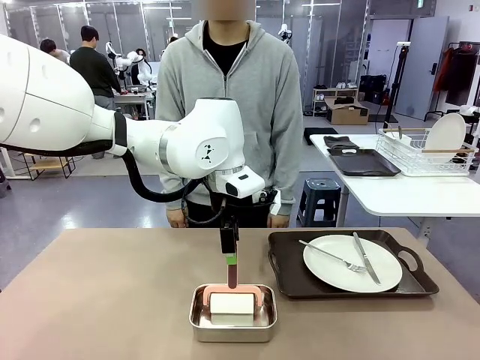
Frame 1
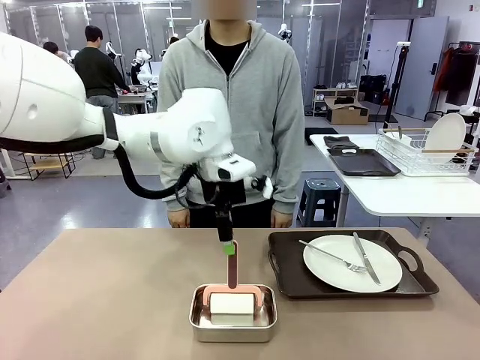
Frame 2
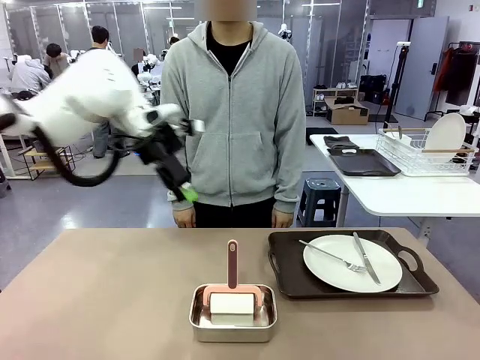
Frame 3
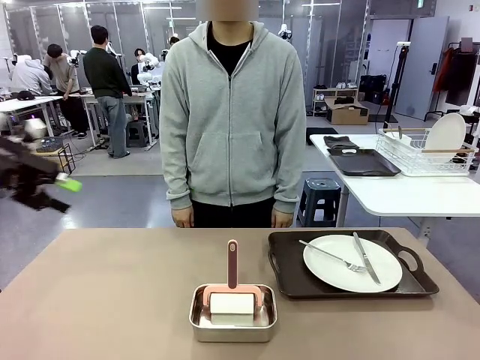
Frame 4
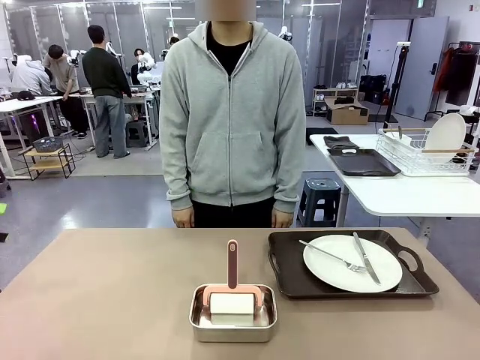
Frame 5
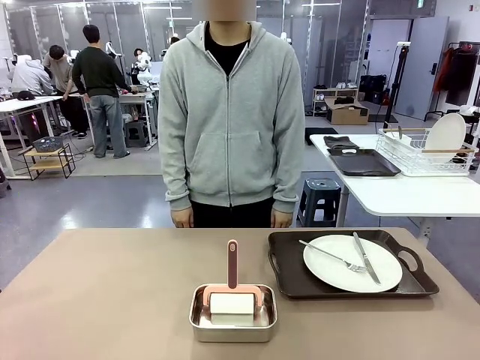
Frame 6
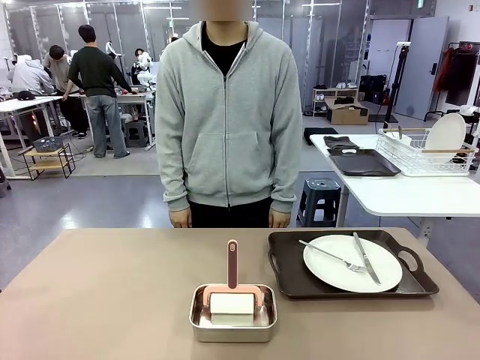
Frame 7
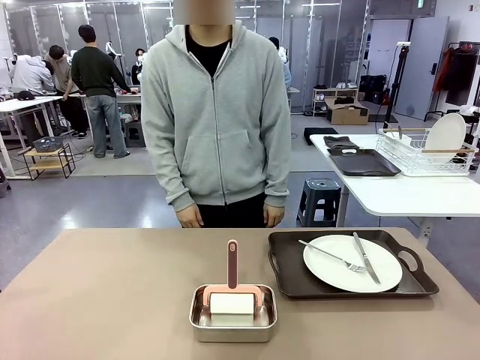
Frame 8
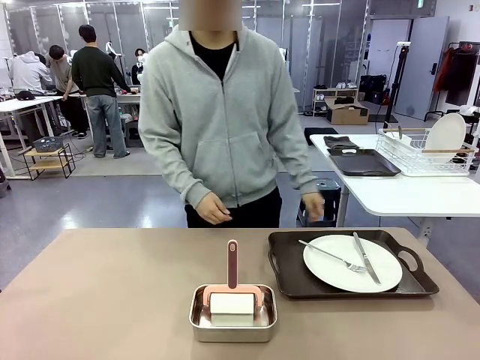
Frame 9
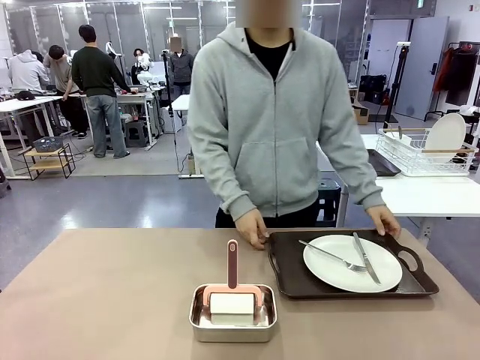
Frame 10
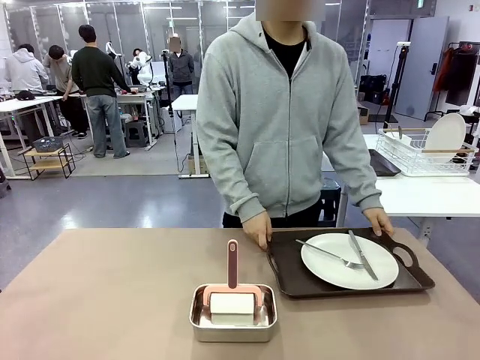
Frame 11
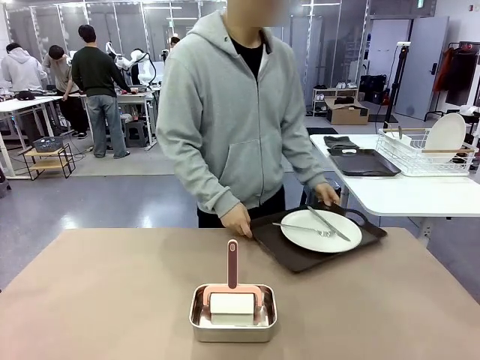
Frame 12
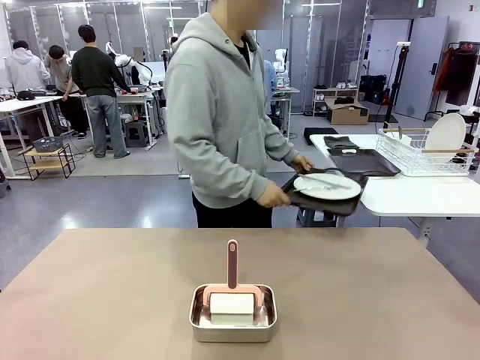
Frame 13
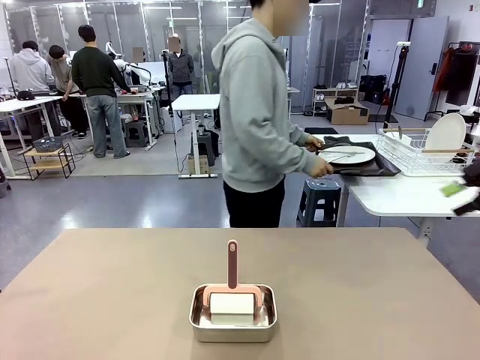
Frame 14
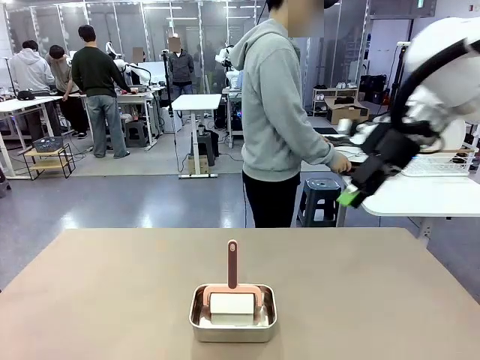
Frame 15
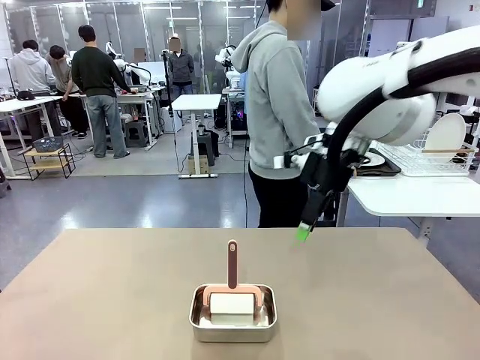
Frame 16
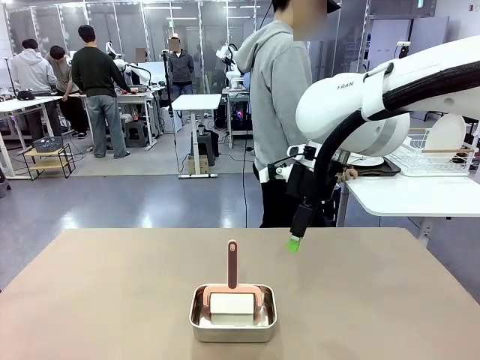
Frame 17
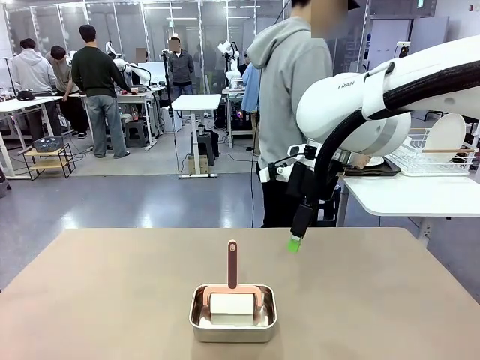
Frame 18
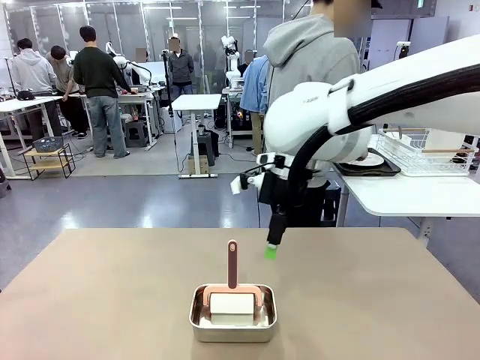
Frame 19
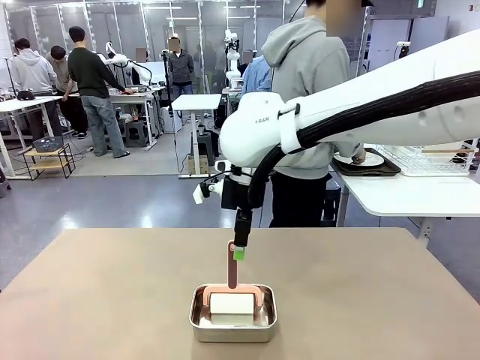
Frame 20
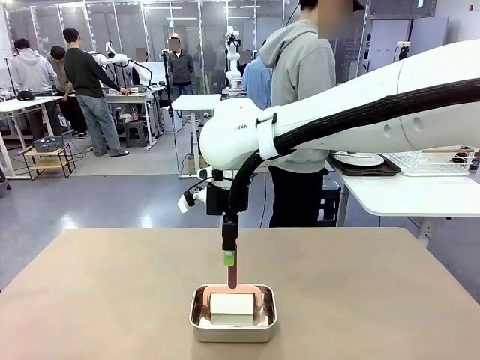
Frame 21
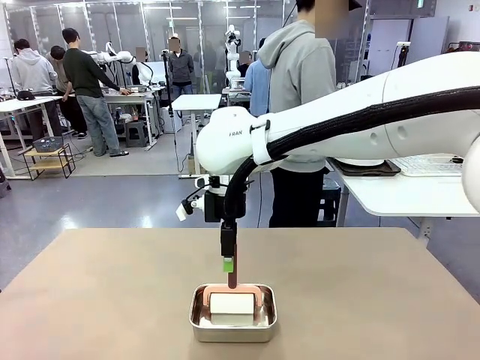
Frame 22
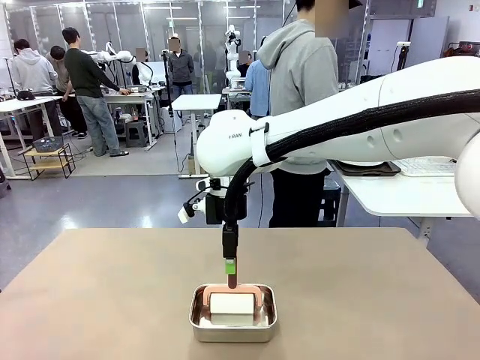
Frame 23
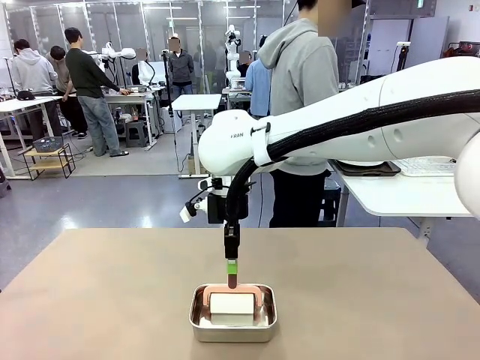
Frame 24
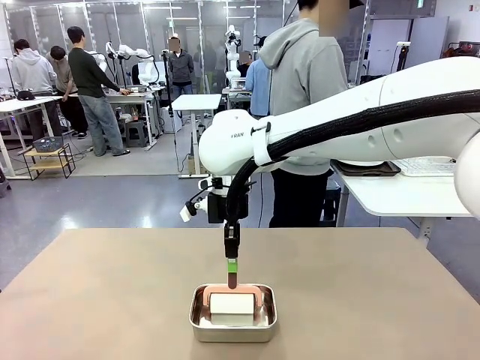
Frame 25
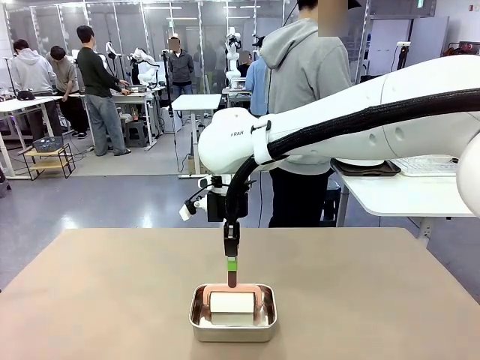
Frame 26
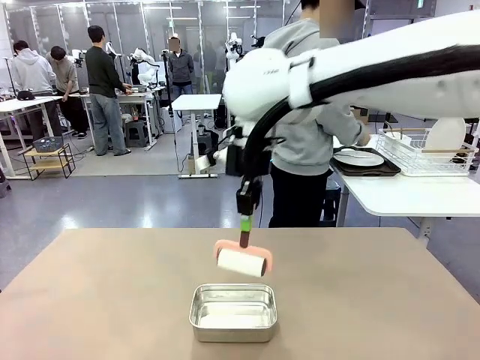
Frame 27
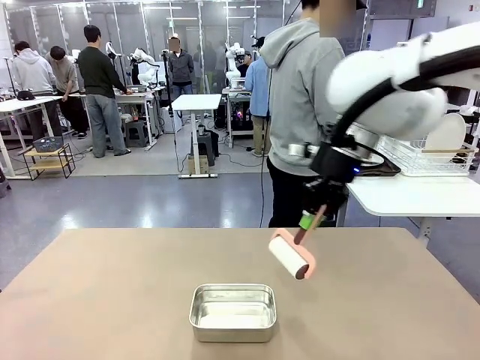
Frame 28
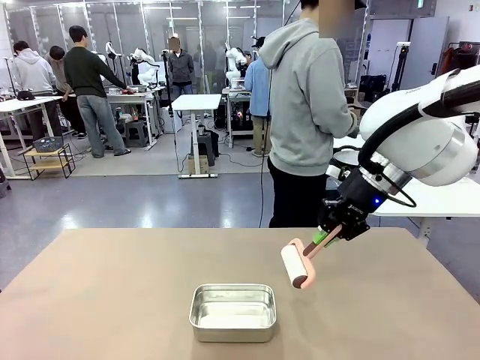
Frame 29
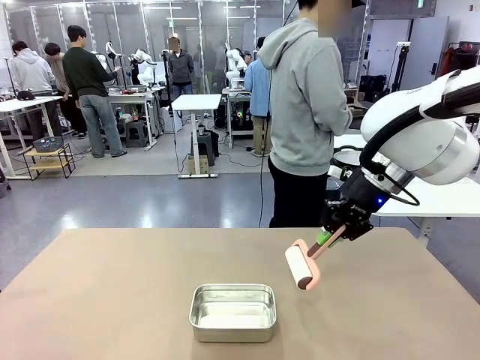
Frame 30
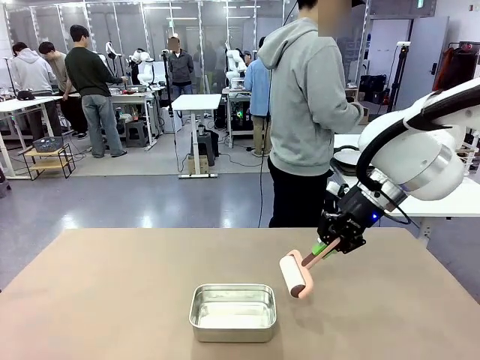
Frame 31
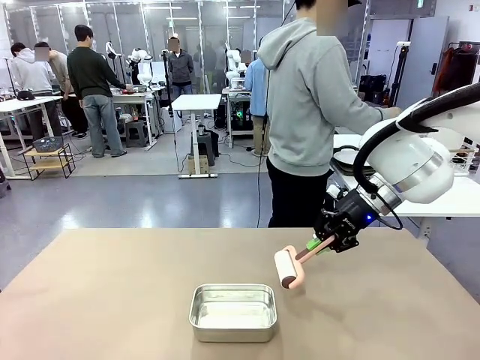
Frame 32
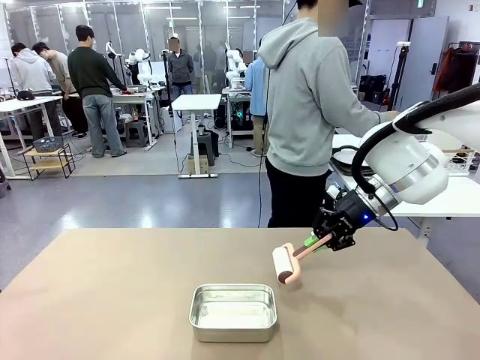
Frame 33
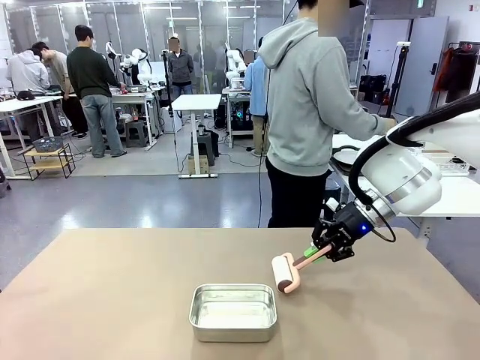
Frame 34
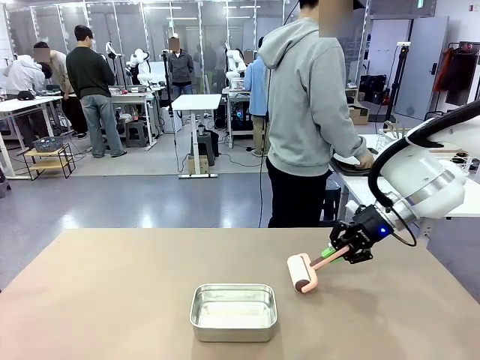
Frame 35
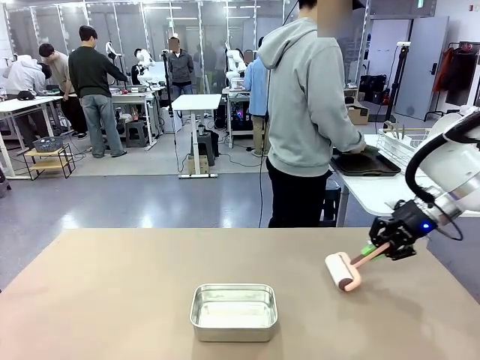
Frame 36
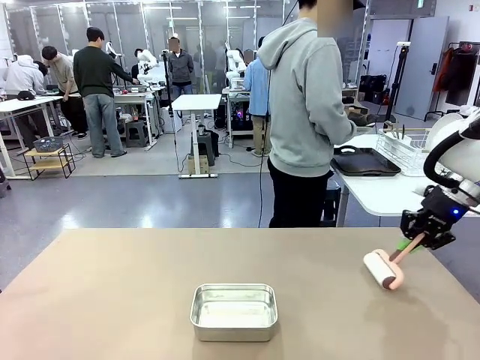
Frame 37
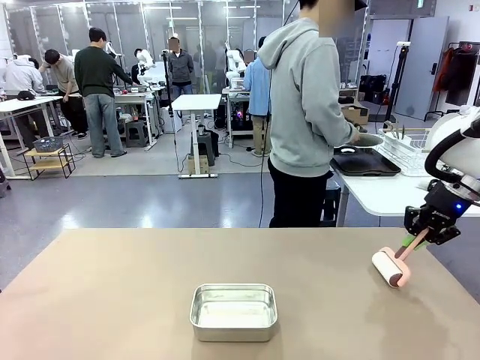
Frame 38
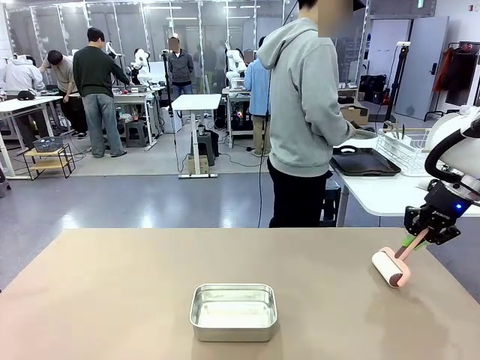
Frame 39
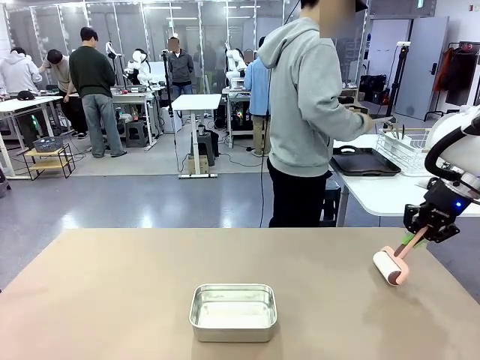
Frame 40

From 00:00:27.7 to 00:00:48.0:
Robot: When the right (or left) Handle tray is removed, use the right hand (or left hand) to clean the right (or left) side of the table with the Lint Roller.
Person: Pick up the left (or right) Handle tray and place it on the Handle tray.
